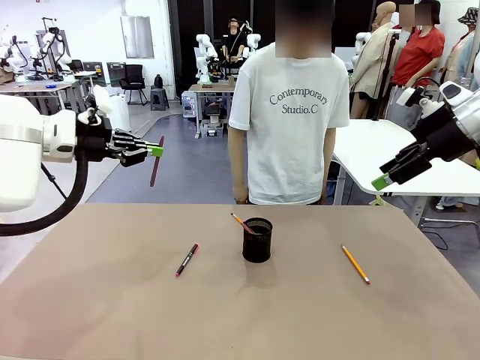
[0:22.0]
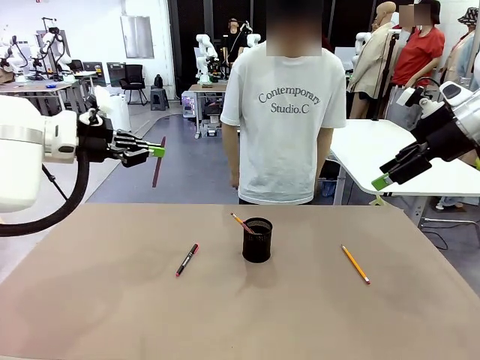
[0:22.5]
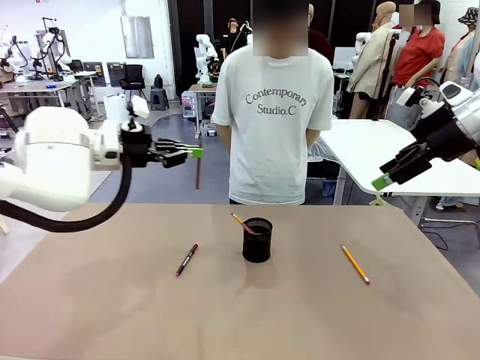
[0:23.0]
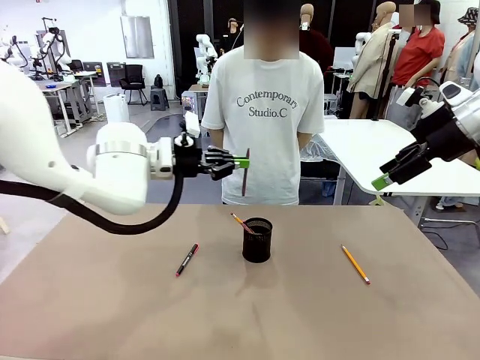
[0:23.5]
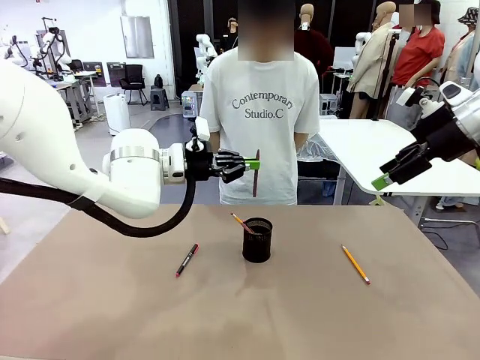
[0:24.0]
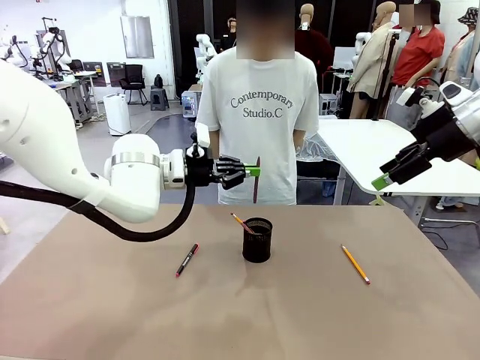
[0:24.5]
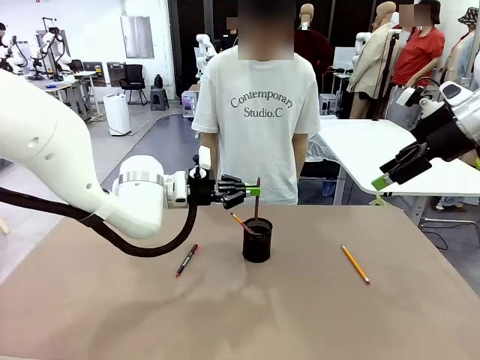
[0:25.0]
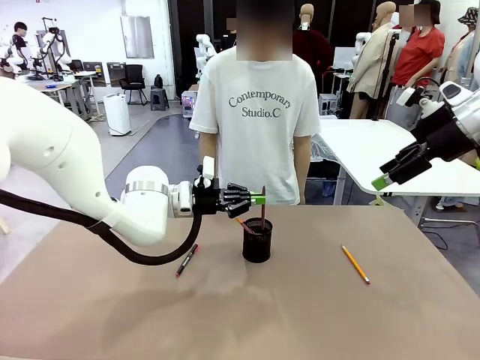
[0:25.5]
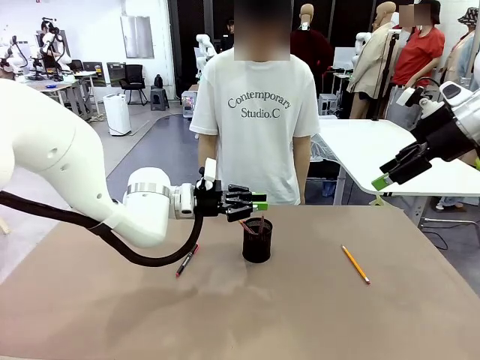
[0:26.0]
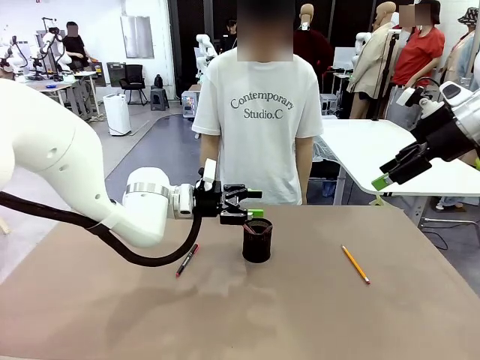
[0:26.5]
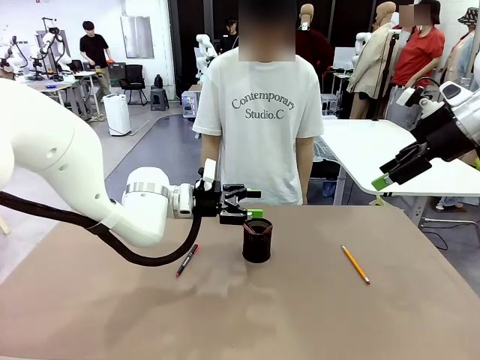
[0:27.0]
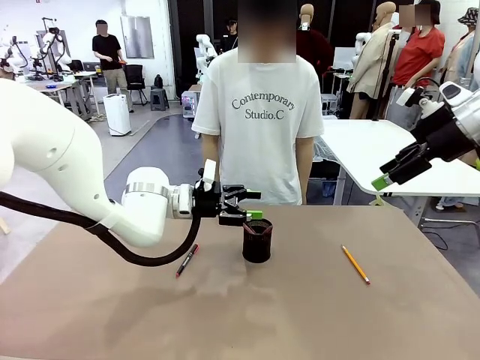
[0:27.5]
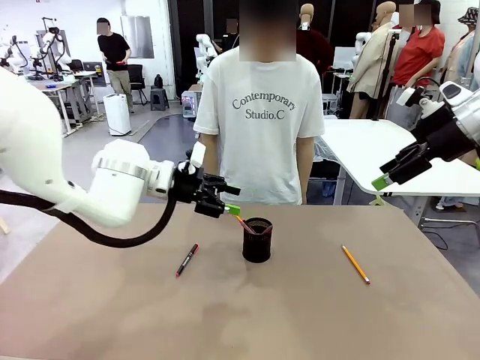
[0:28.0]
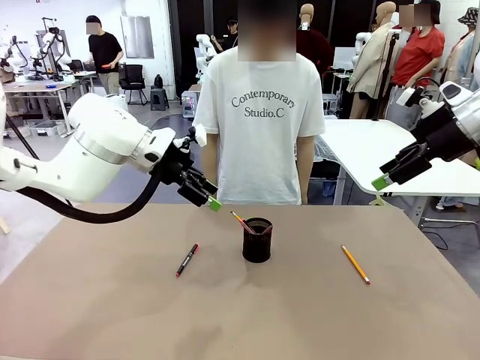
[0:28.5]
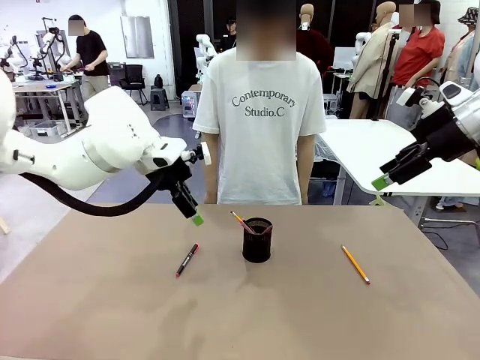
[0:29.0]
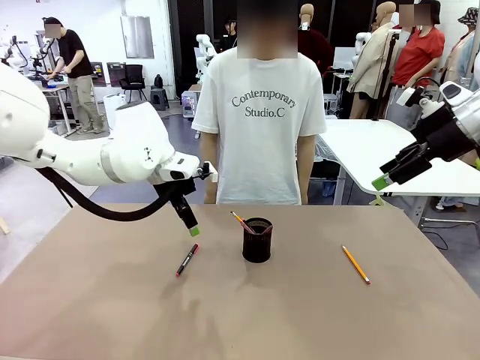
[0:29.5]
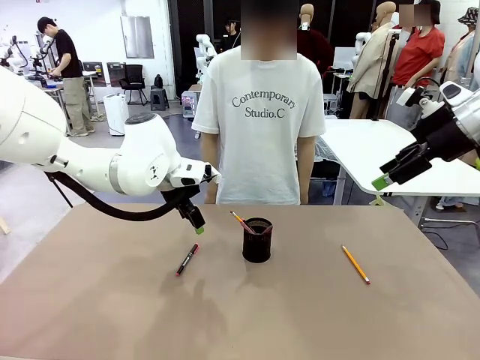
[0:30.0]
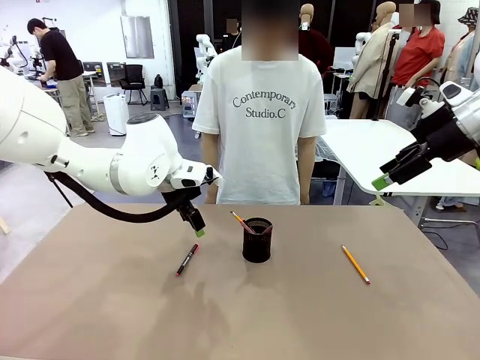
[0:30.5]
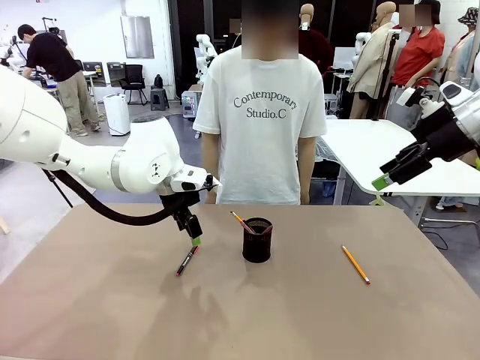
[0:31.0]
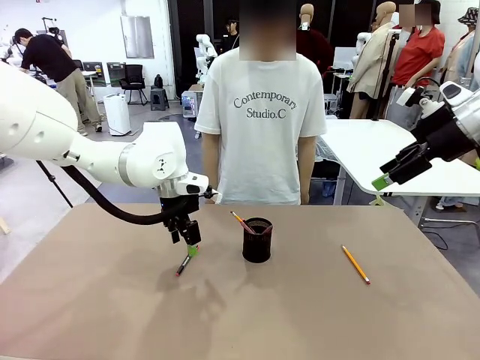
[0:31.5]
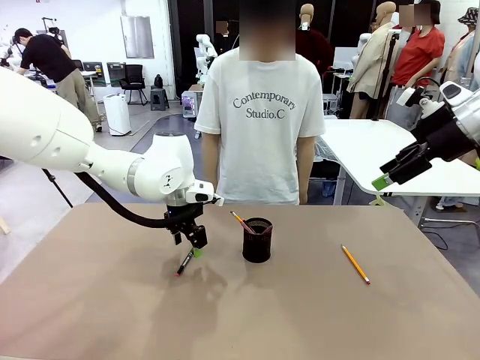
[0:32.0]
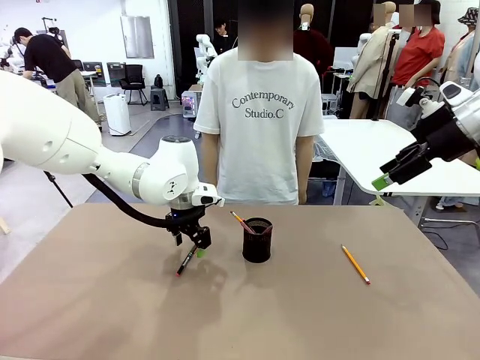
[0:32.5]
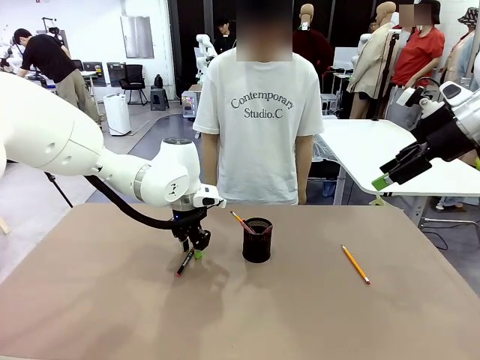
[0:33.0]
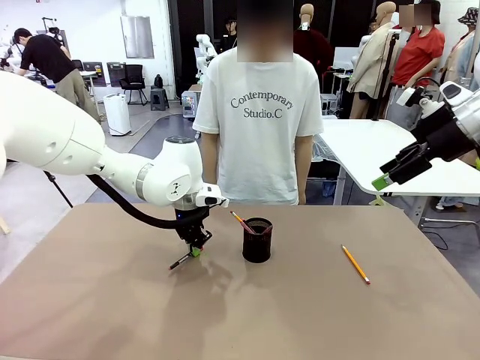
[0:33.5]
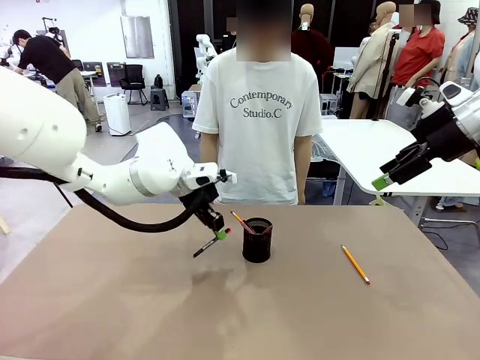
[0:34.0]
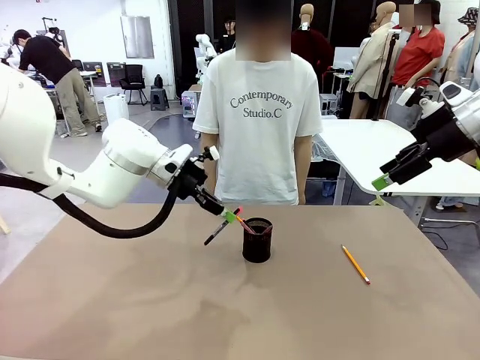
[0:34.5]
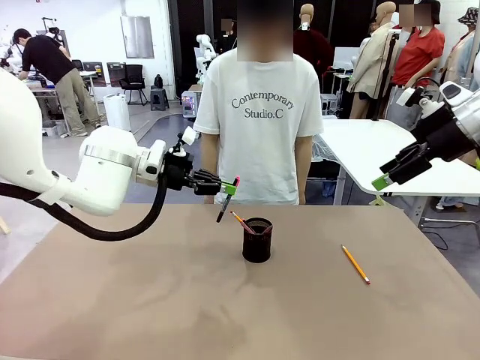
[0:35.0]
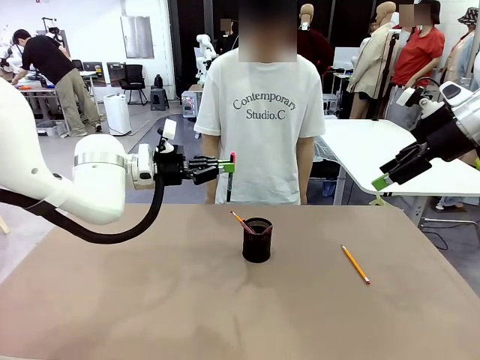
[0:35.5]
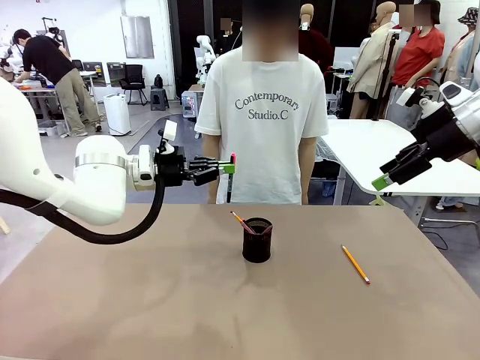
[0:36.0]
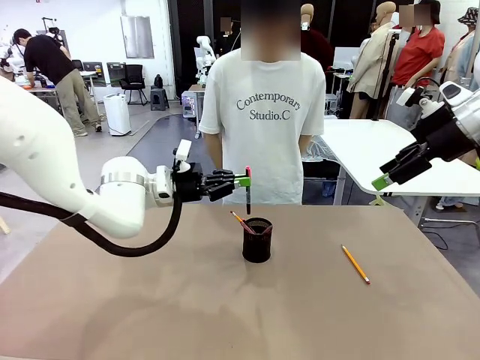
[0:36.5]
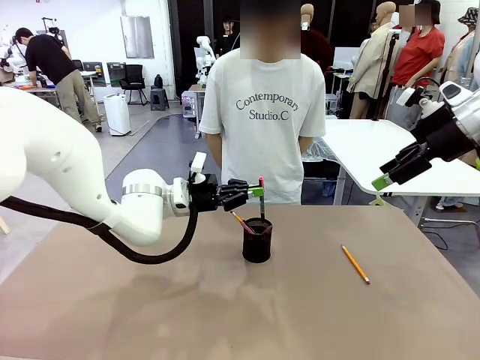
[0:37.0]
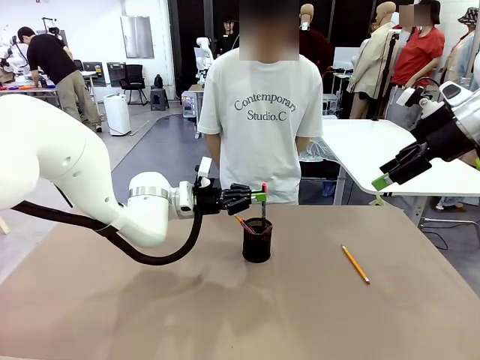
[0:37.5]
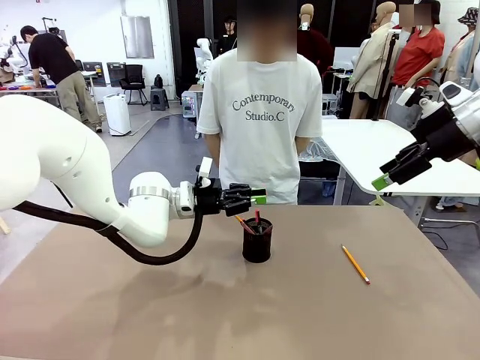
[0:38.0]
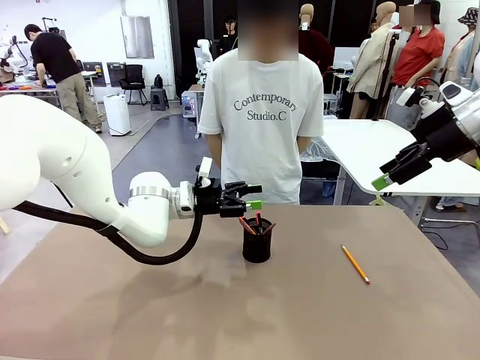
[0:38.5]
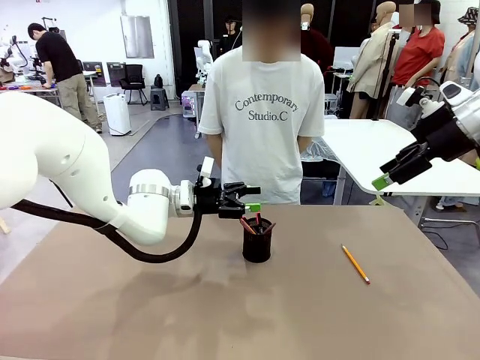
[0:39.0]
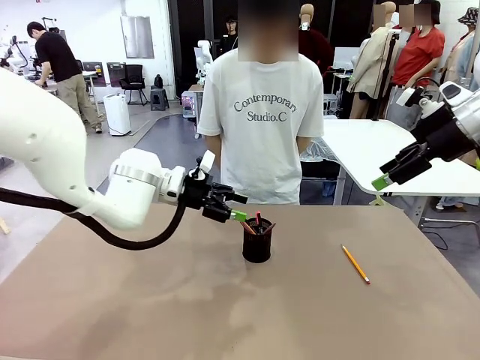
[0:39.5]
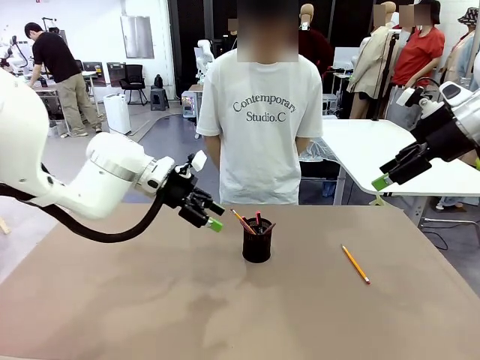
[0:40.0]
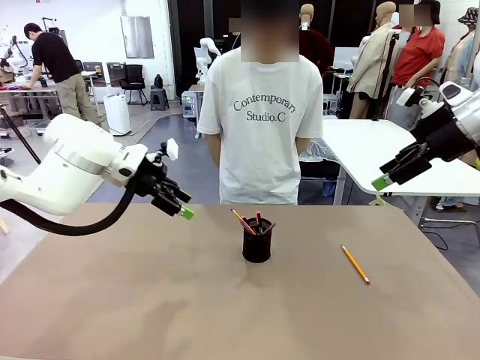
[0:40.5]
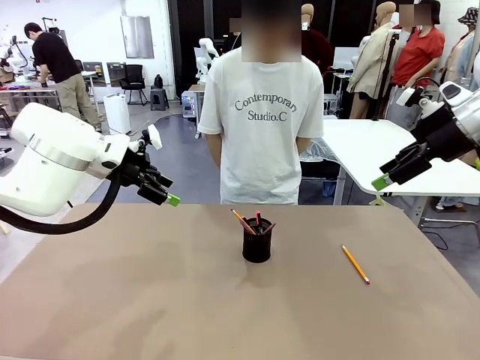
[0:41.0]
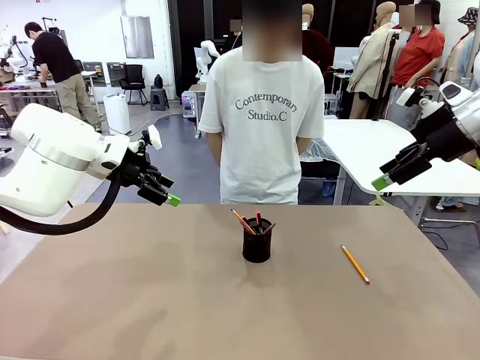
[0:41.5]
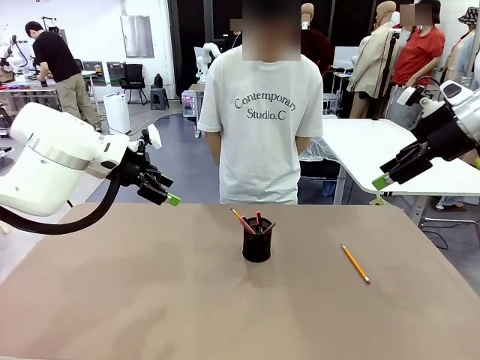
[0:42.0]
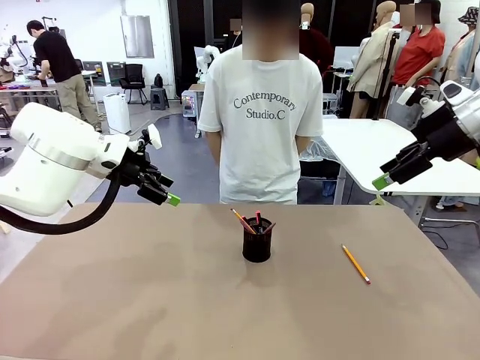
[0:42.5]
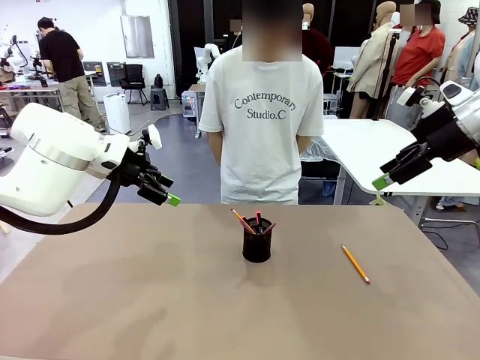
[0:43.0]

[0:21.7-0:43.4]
Task: Place the pens into the pen holder.
Robot: Pick up a writing instrument from the table and place it into the Pen holder.
